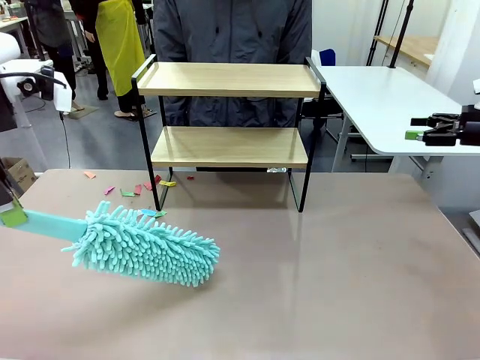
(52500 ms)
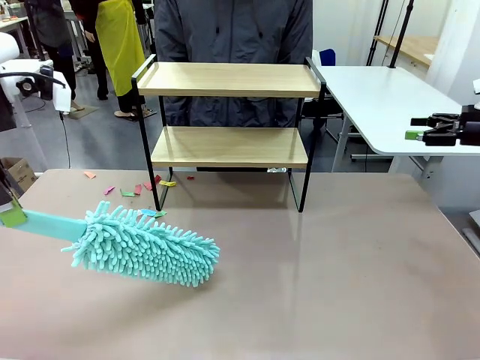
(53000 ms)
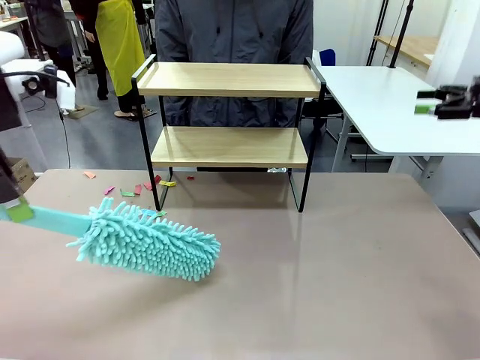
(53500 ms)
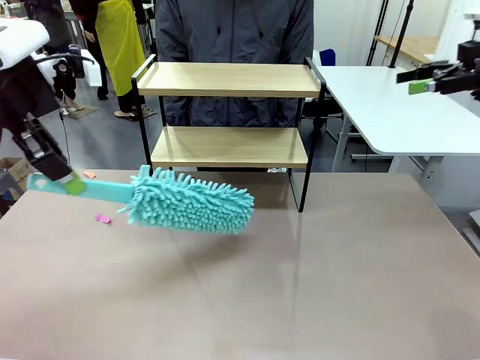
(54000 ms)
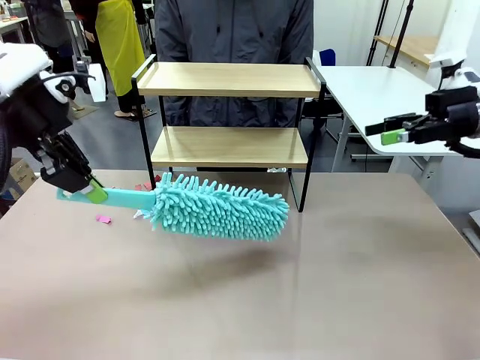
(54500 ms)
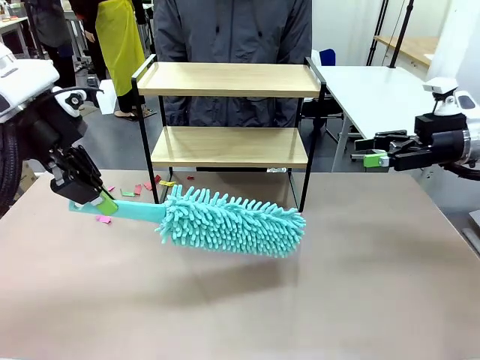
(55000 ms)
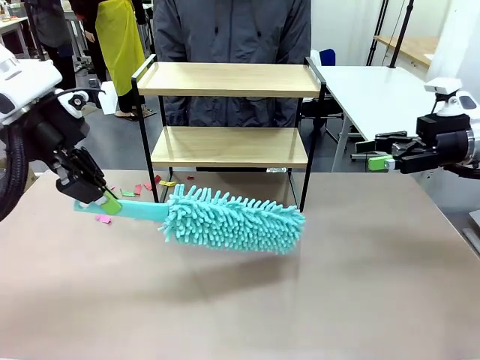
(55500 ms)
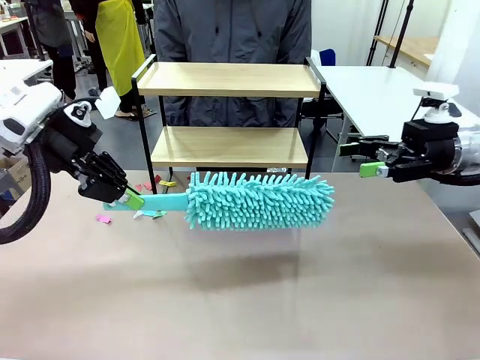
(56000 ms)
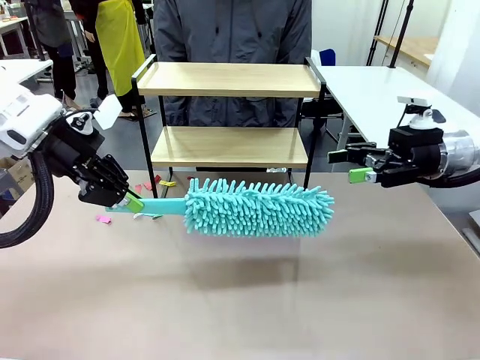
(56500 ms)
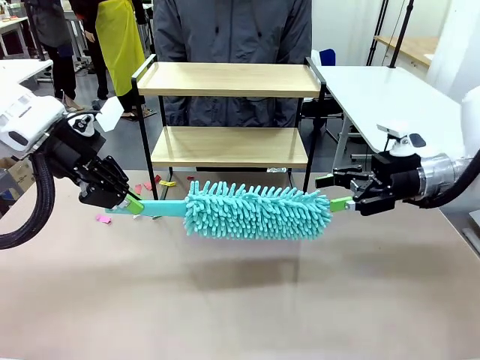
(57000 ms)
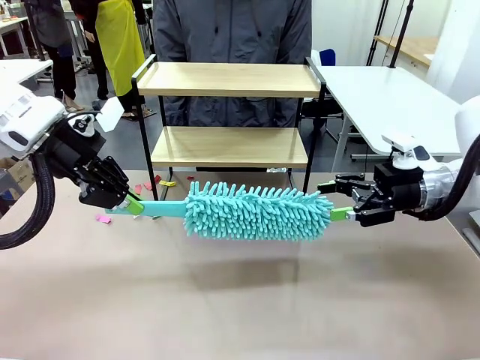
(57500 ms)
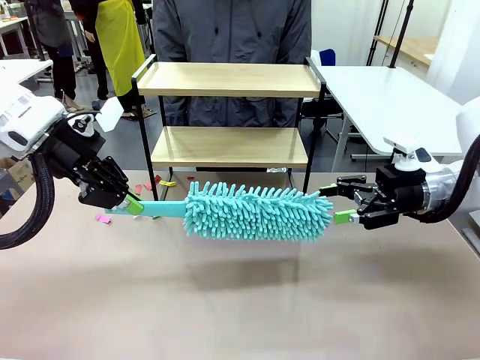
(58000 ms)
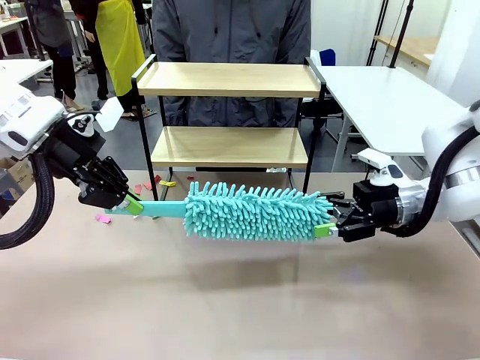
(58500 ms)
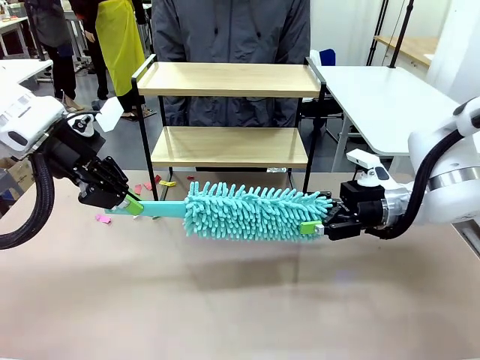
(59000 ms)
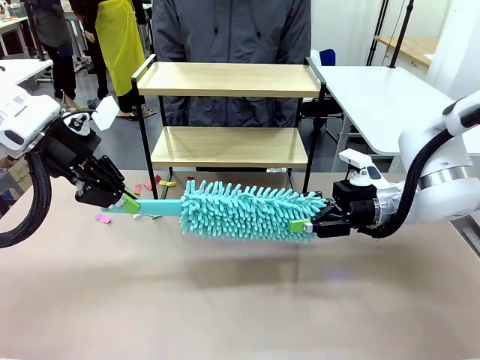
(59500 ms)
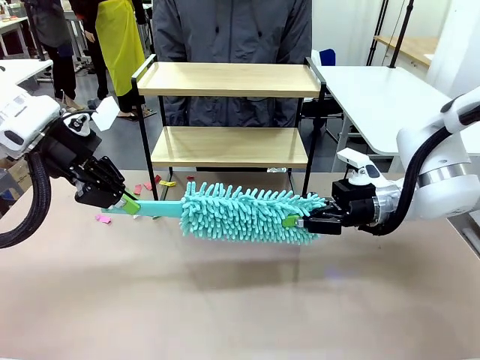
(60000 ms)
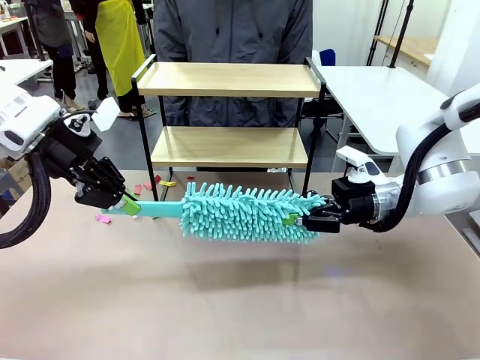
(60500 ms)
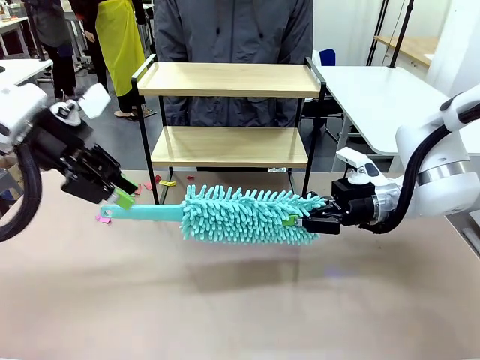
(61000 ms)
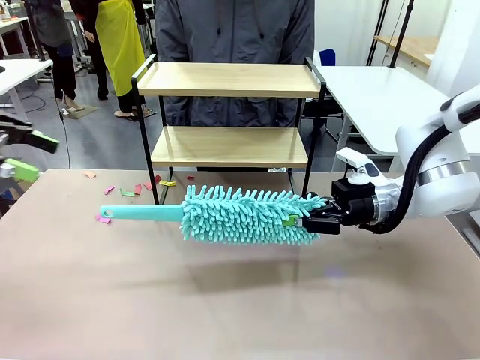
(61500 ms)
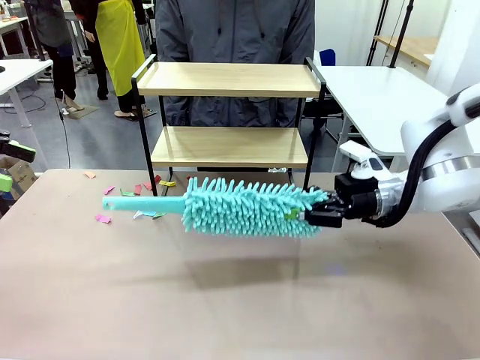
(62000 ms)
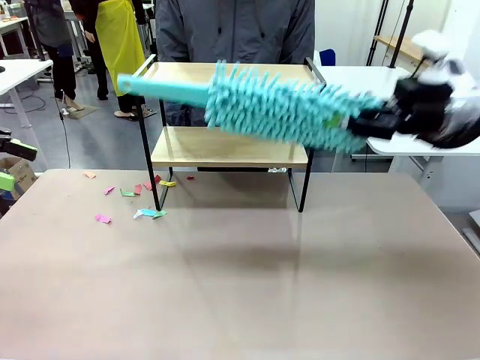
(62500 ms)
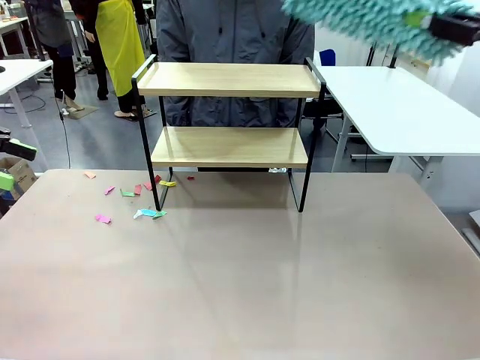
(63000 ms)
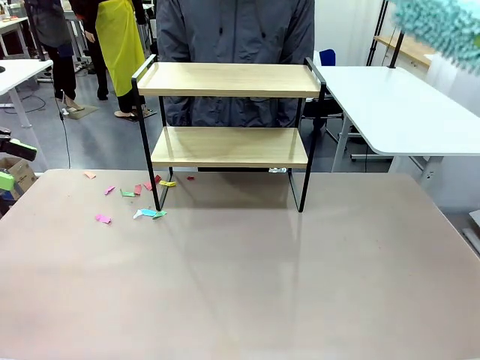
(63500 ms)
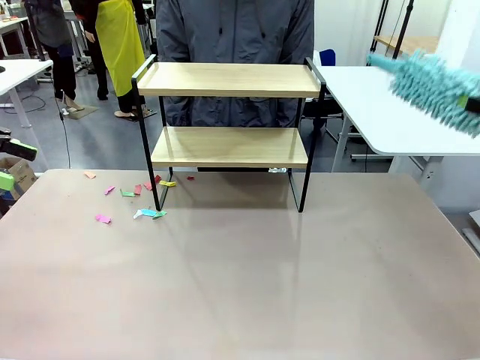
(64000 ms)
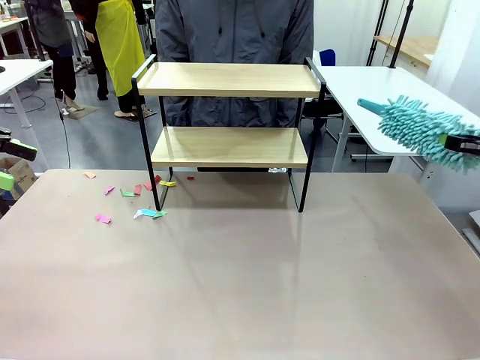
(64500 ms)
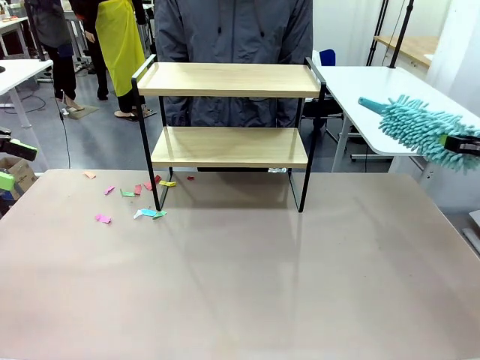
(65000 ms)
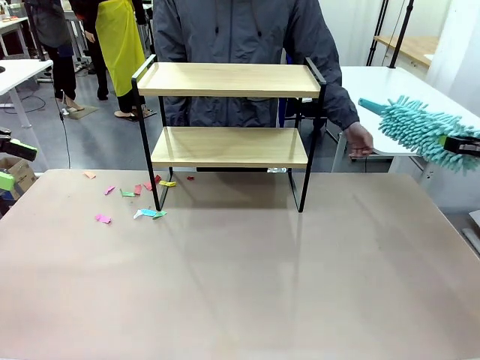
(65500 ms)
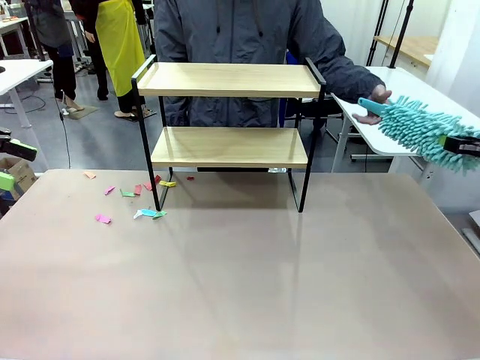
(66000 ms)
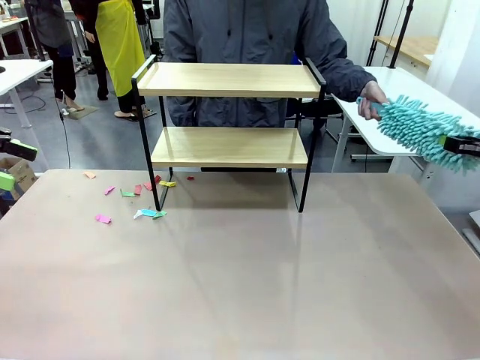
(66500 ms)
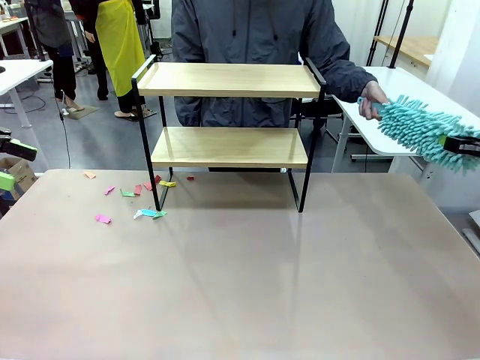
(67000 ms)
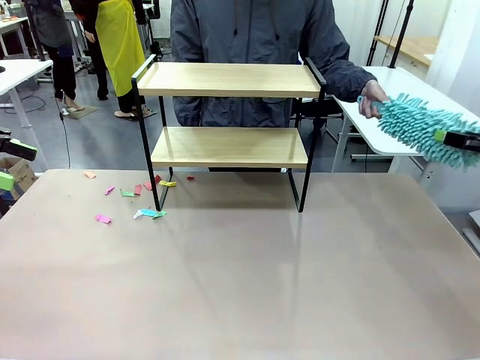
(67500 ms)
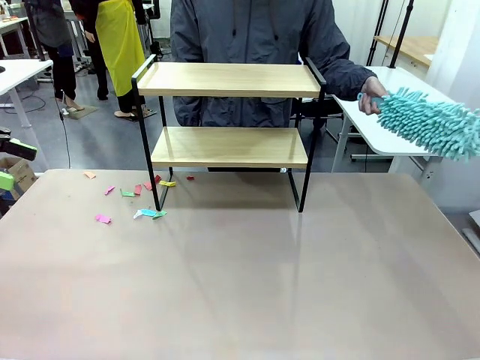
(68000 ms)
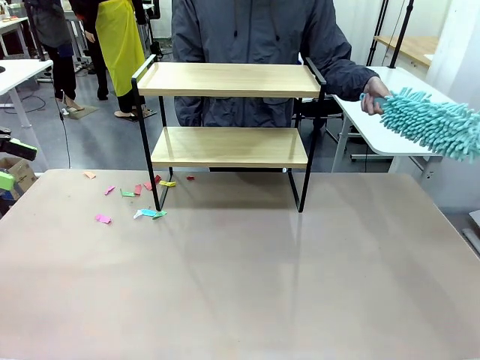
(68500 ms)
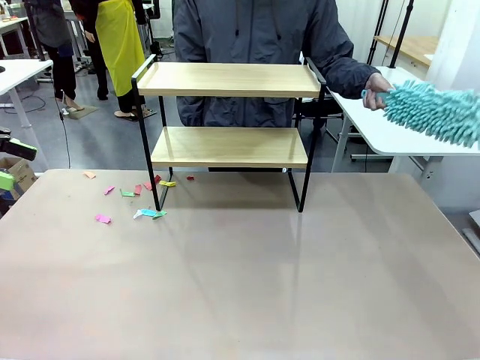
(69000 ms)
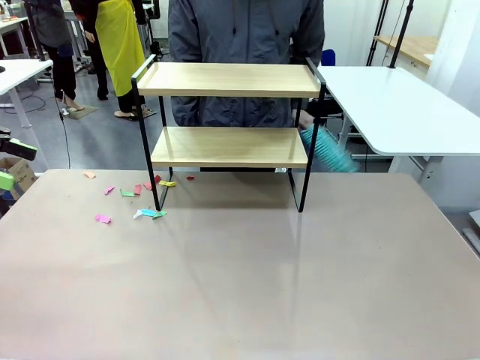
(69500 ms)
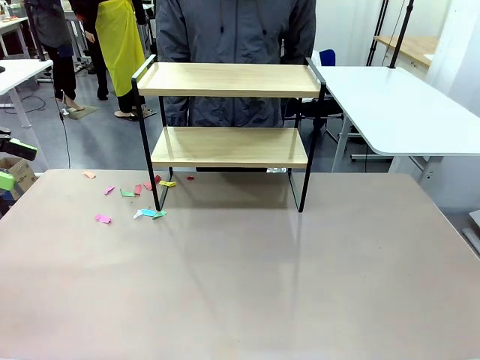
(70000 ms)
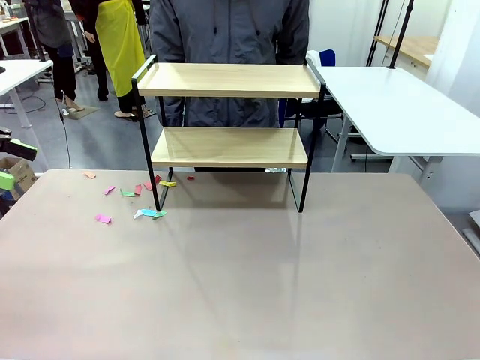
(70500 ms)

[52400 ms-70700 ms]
Task: Clean the shelf.
Robot: Hand the Duster back to the human.
Person: Receive the Duster from the robot.

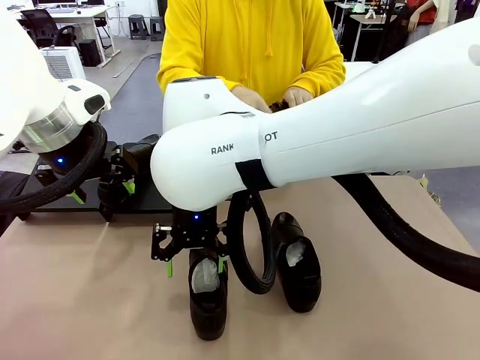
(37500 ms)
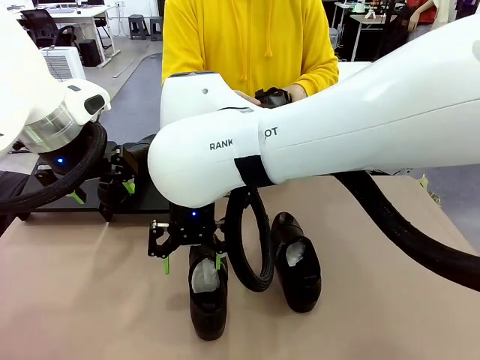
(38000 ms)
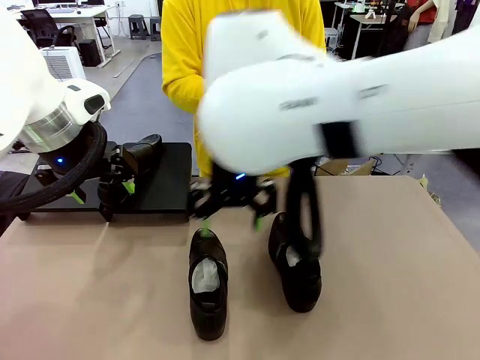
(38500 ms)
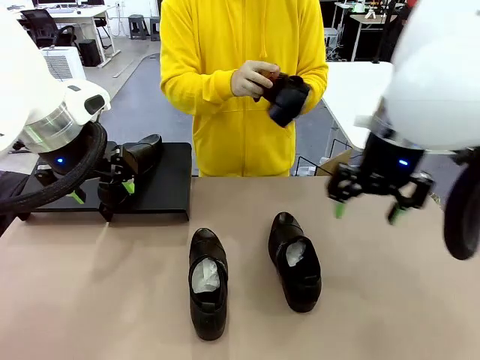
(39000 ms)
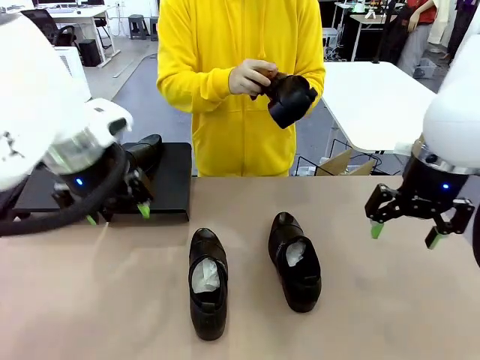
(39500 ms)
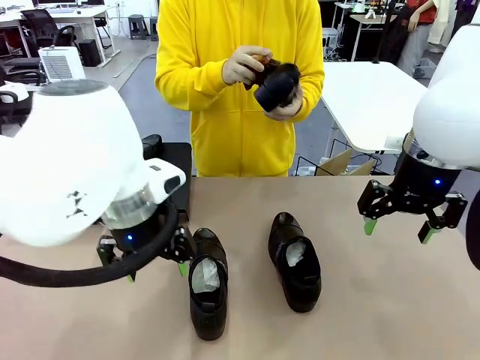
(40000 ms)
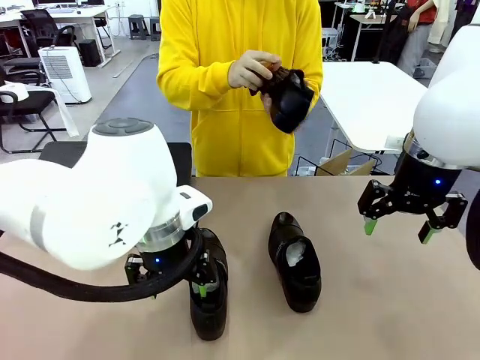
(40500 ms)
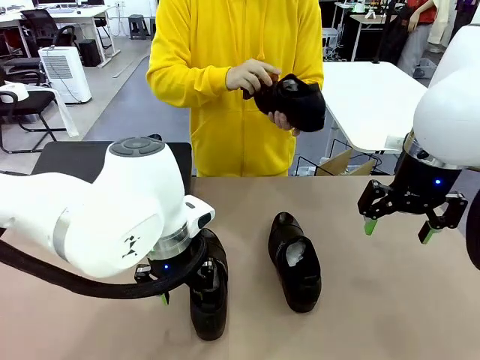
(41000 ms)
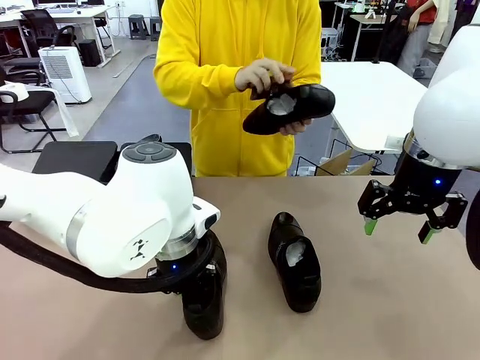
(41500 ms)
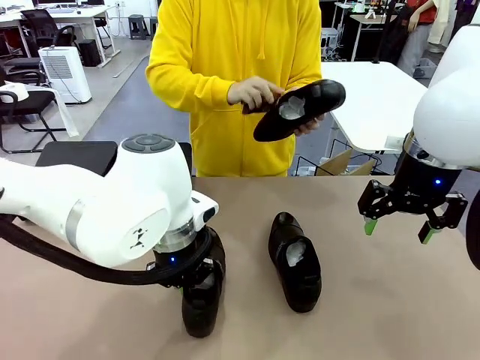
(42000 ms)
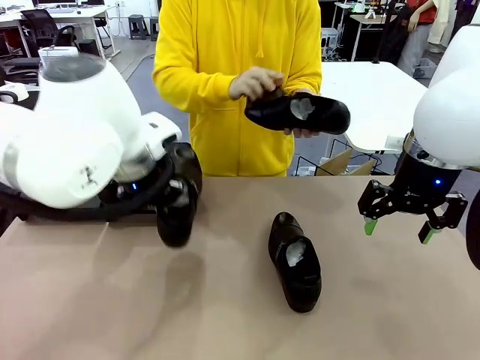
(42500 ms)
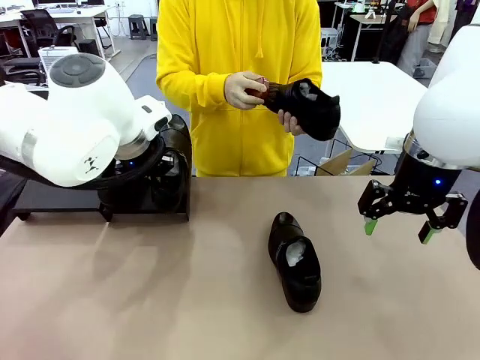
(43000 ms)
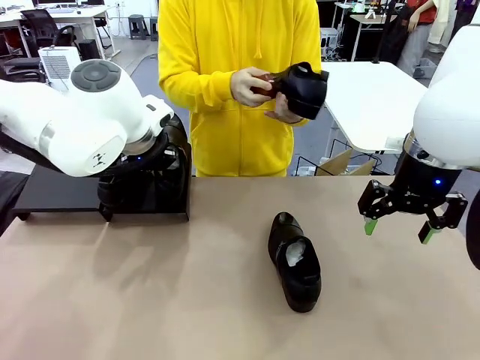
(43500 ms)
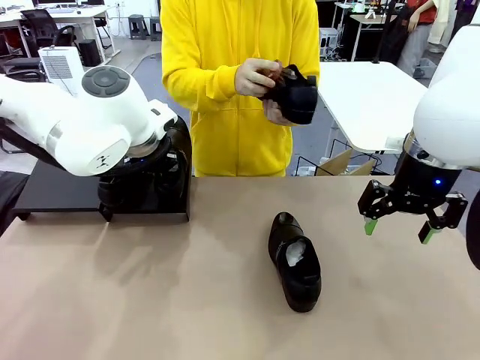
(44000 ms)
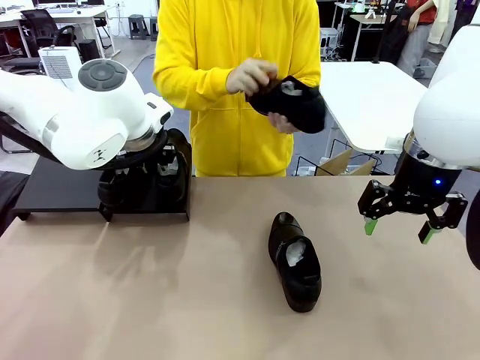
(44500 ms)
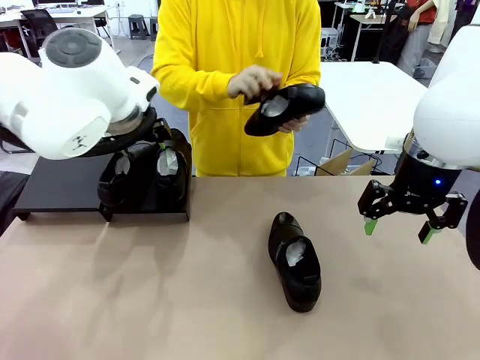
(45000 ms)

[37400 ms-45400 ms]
Task: Organize the shoes by placing them on the stand.
Robot: Place the Shoe from the middle of the table onto the Shoes Stand.
